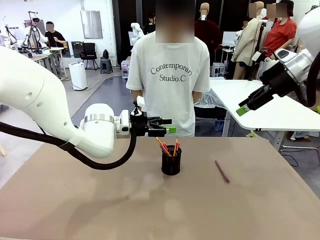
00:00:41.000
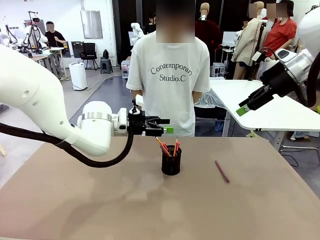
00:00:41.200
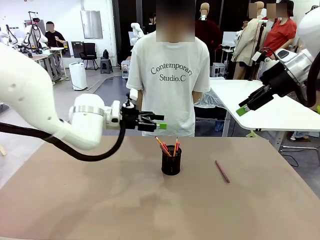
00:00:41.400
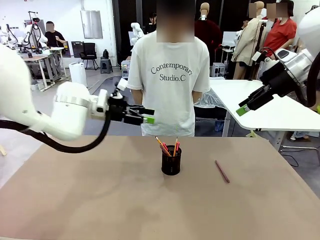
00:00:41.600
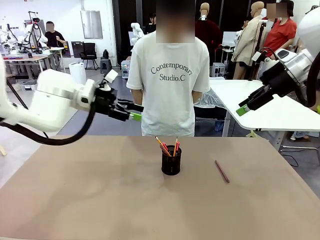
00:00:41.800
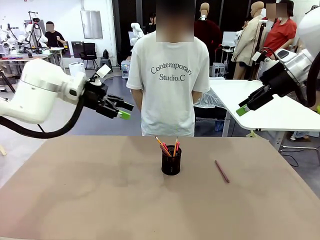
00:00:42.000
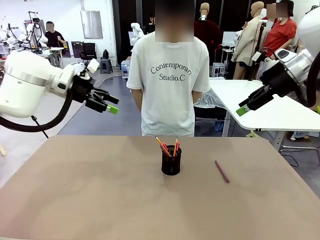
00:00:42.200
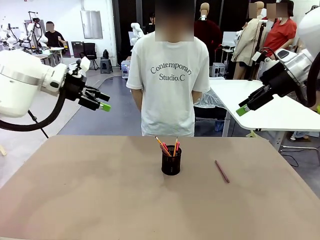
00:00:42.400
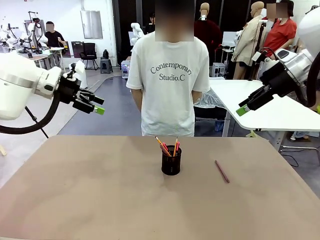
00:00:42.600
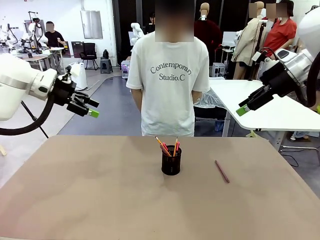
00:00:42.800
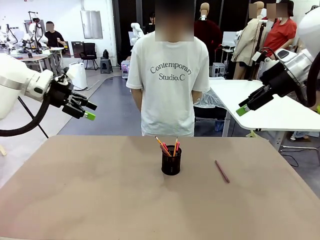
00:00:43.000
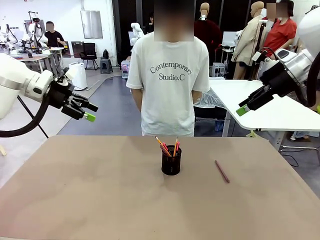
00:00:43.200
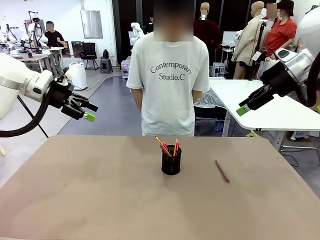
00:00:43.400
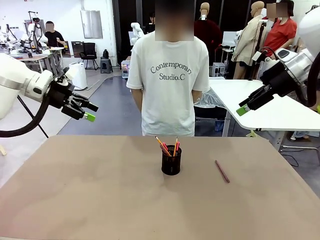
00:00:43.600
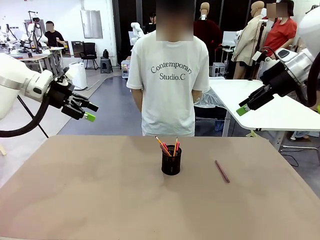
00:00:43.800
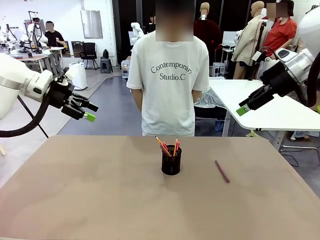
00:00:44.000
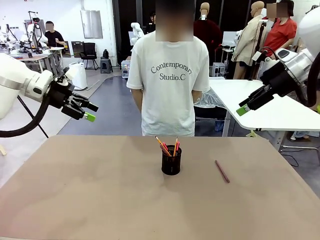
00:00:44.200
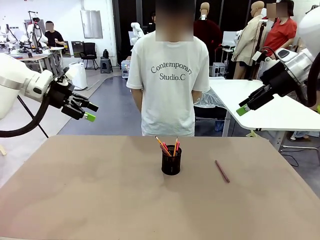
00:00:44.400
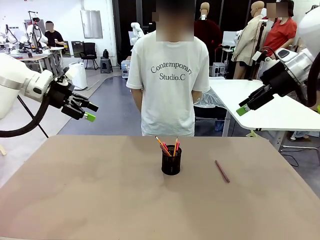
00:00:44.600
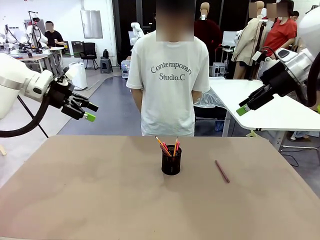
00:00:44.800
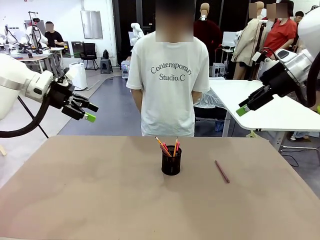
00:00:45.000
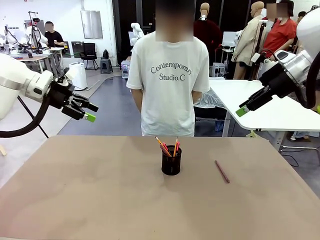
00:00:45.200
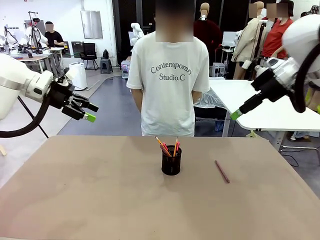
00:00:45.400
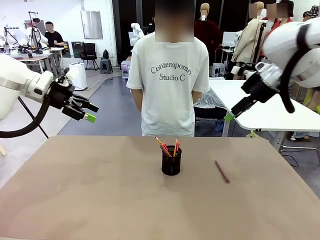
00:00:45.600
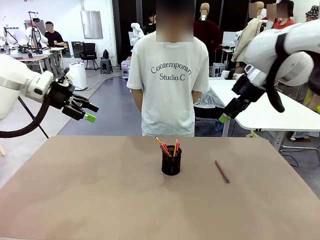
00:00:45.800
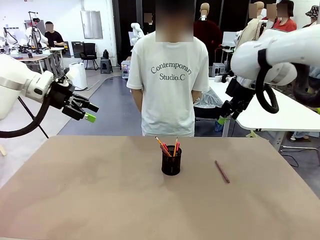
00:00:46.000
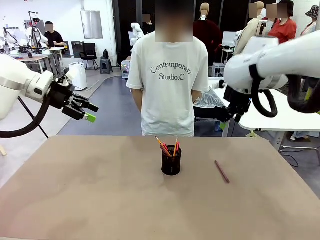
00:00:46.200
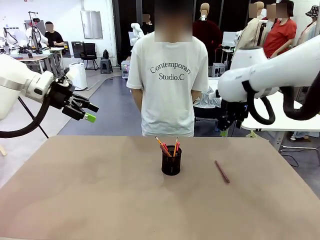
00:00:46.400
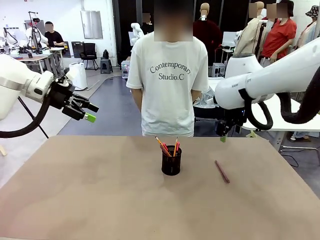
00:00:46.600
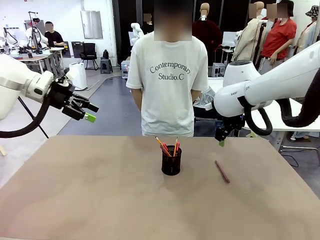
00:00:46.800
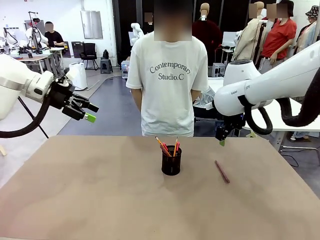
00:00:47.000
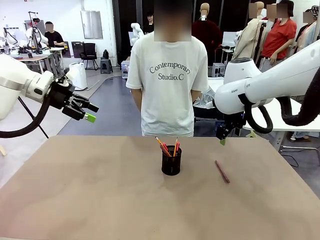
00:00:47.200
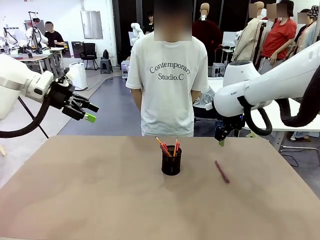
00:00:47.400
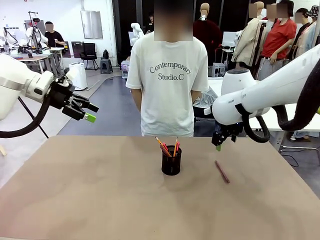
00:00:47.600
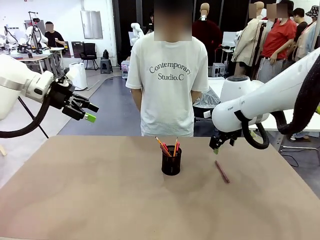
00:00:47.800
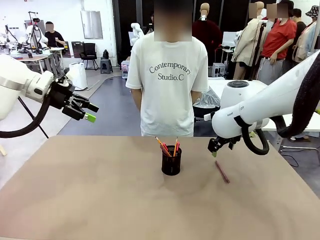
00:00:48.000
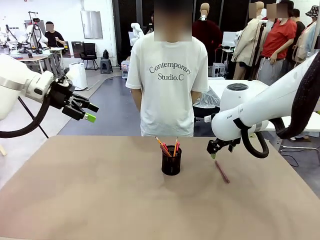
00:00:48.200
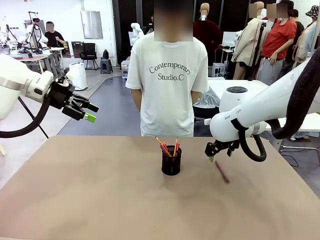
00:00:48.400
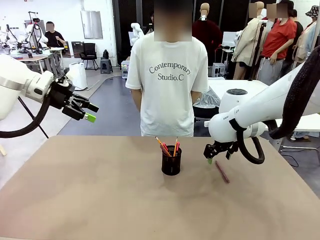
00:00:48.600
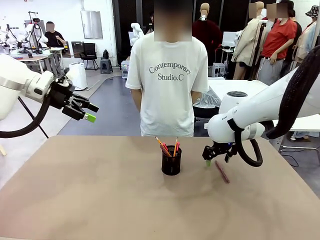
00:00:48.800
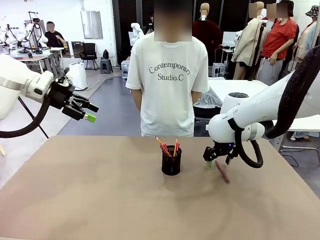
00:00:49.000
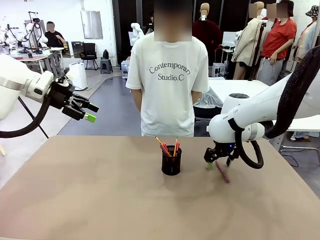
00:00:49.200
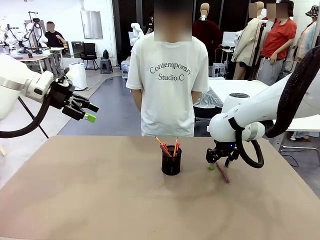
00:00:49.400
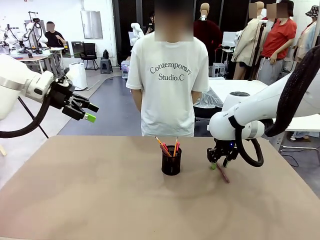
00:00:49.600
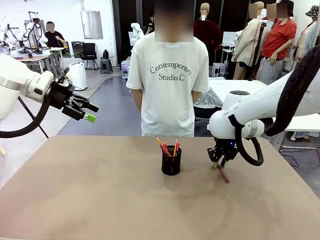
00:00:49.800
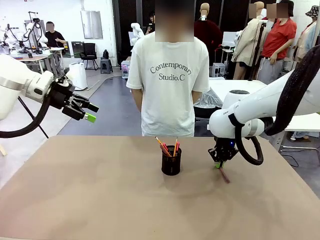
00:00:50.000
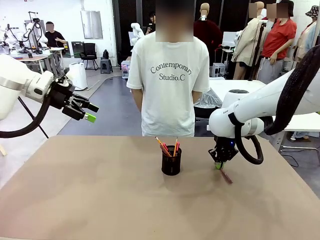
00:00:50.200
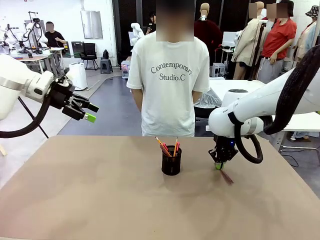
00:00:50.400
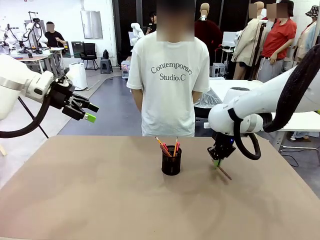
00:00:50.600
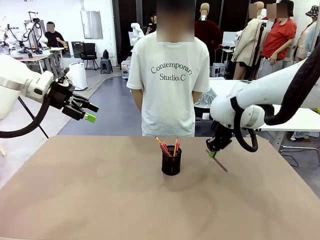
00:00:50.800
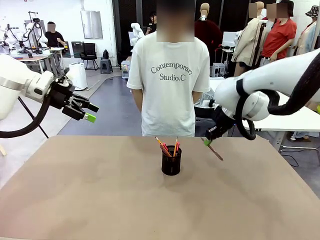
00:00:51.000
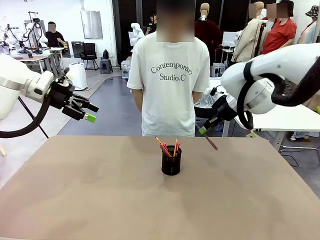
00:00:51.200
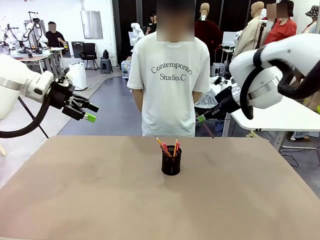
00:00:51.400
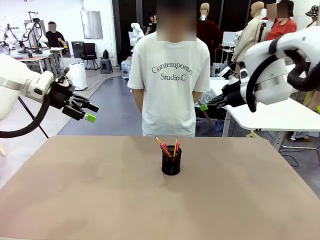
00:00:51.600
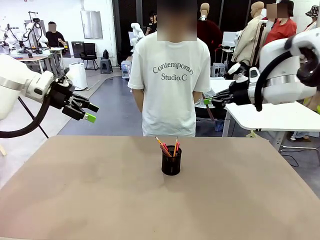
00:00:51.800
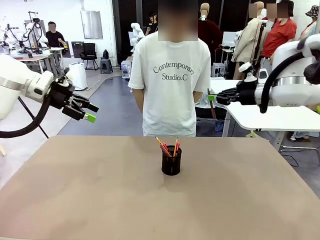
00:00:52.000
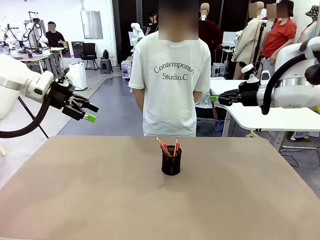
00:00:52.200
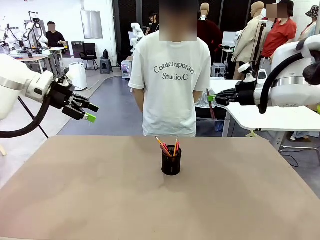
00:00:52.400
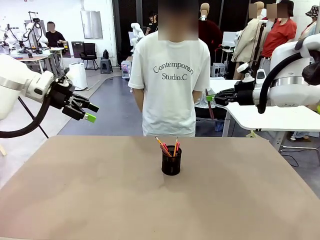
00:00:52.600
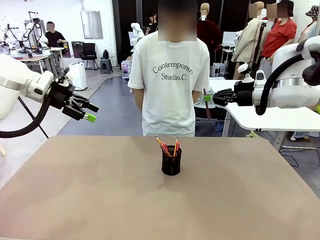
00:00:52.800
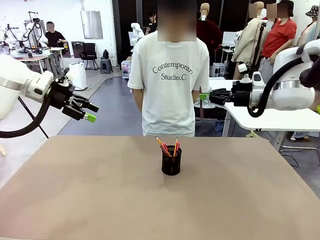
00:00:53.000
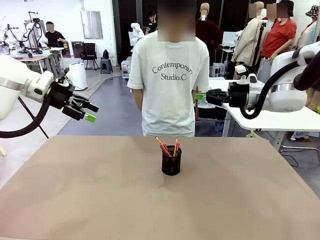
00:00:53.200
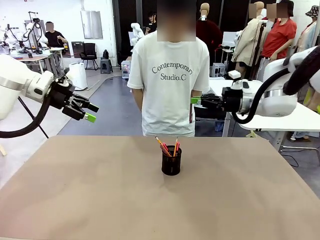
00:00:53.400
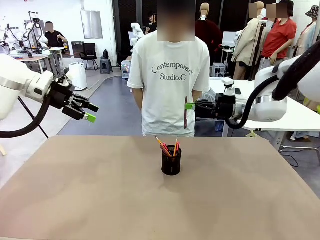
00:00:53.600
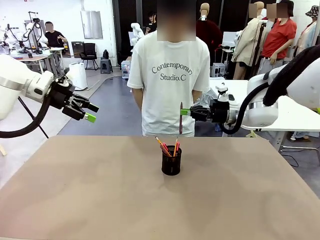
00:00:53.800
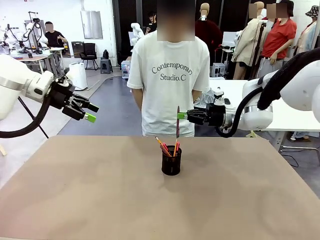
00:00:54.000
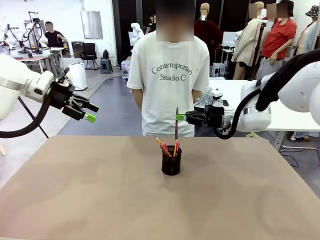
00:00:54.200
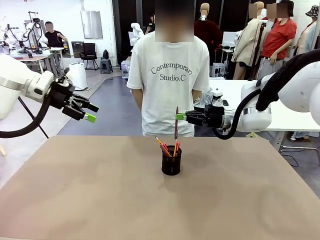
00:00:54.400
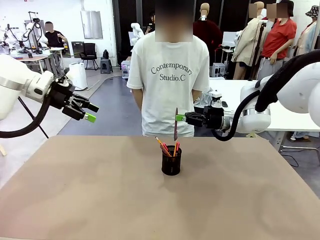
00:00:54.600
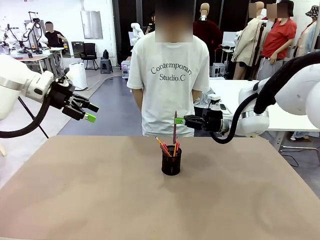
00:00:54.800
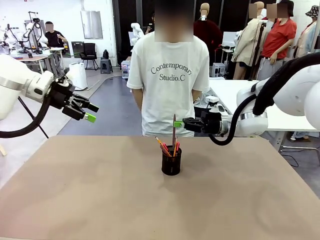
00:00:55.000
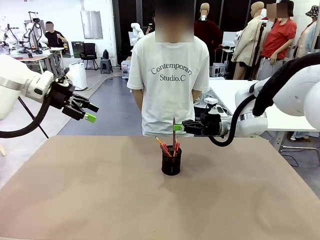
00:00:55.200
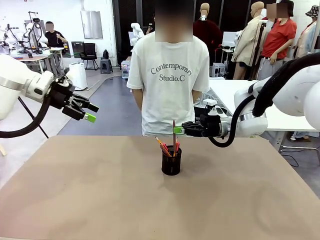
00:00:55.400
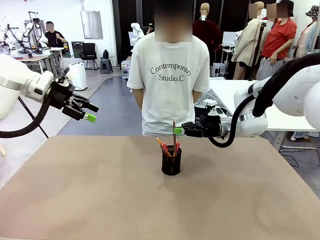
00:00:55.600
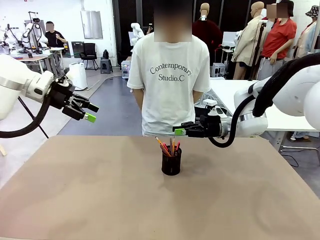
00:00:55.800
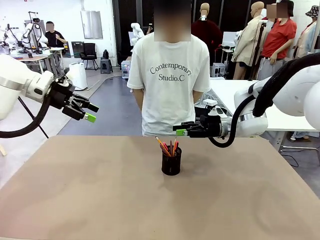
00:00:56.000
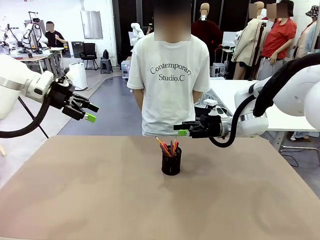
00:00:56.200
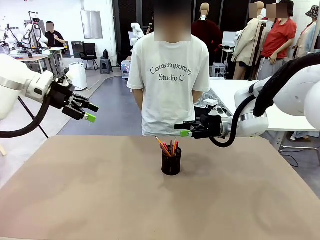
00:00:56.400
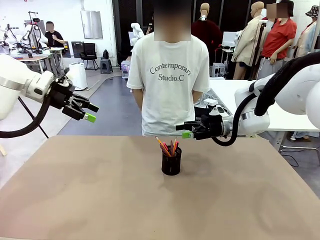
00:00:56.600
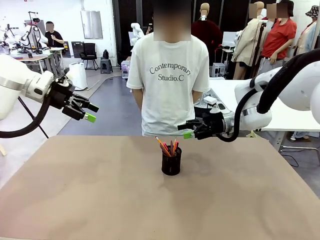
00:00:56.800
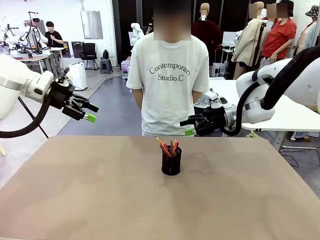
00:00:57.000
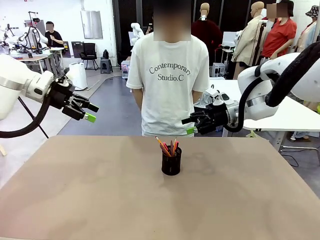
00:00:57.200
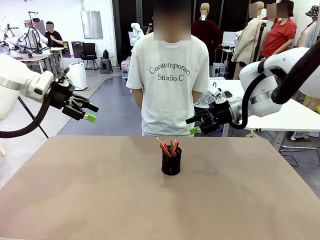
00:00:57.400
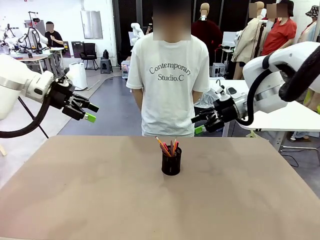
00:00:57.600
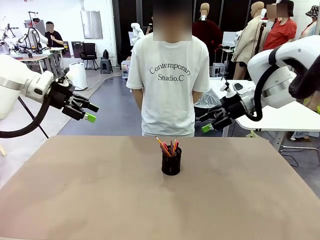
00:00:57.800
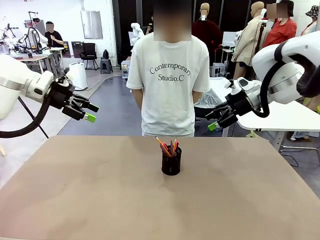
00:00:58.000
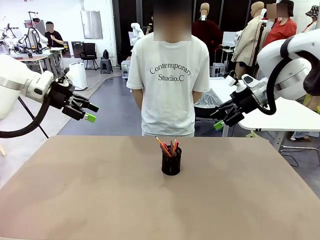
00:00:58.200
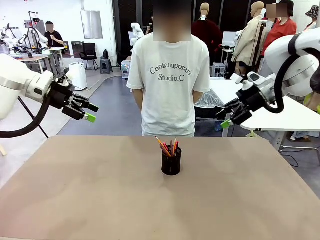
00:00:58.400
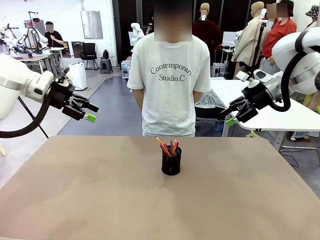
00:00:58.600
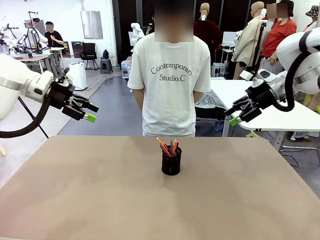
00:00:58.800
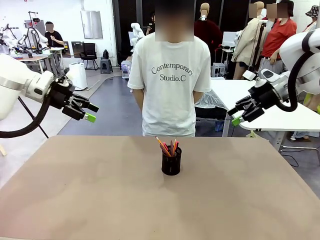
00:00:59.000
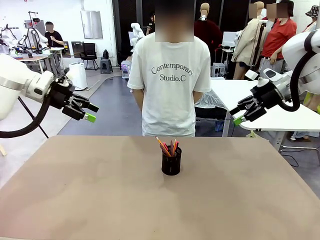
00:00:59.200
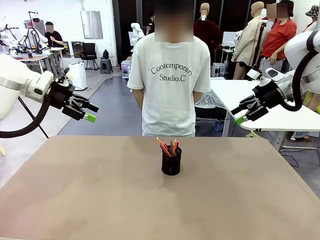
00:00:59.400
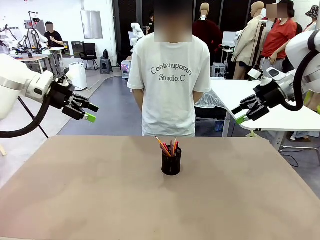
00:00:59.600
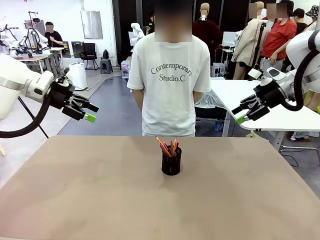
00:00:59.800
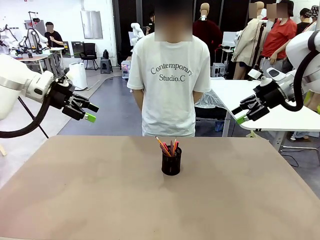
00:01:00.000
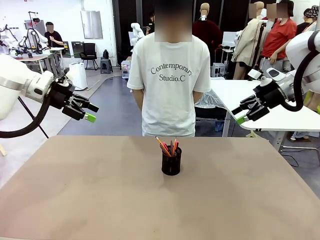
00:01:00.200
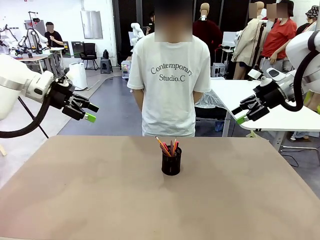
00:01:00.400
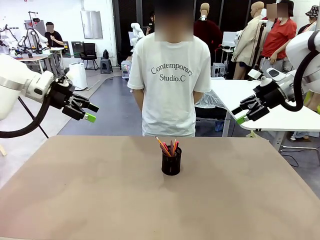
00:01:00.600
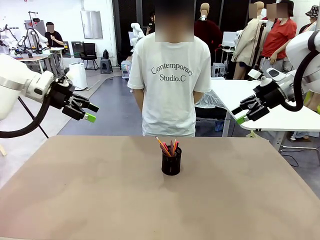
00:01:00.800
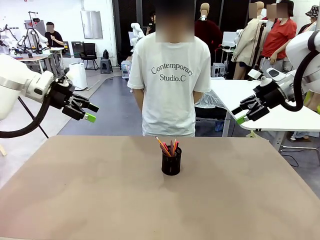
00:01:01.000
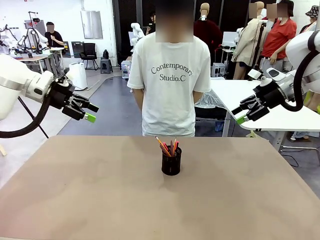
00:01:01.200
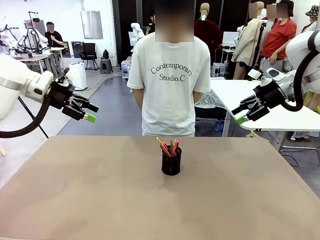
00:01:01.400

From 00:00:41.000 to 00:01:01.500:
Task: Place the pens into the pen holder.
Robot: Pick up a writing instrument from the table and place it into the Pen holder.
